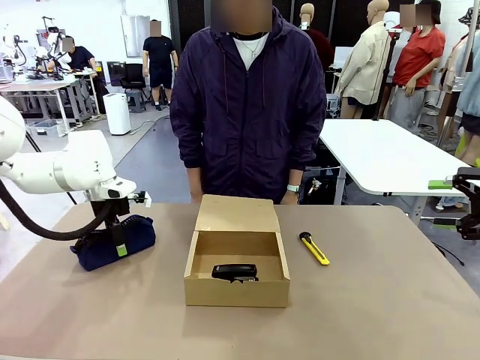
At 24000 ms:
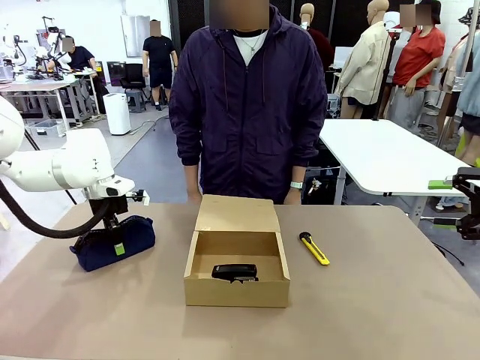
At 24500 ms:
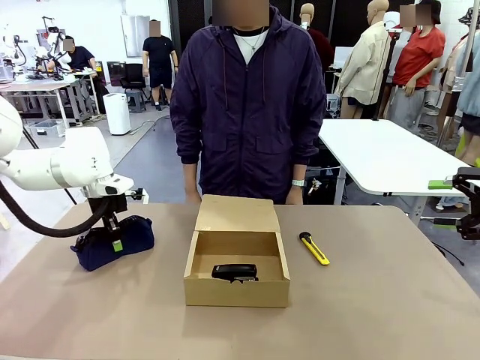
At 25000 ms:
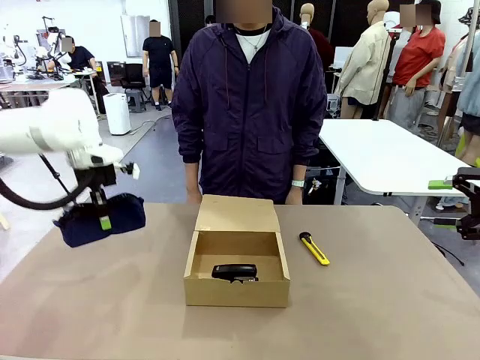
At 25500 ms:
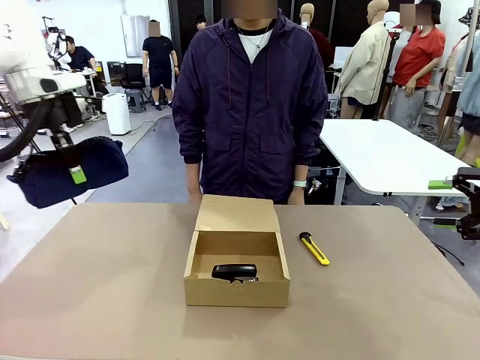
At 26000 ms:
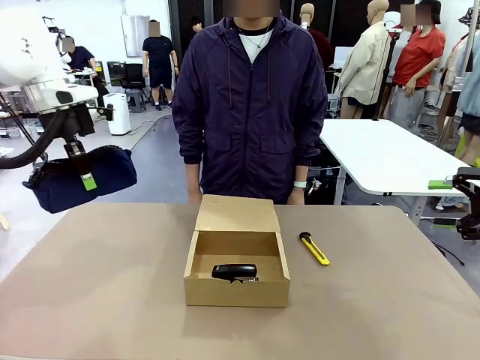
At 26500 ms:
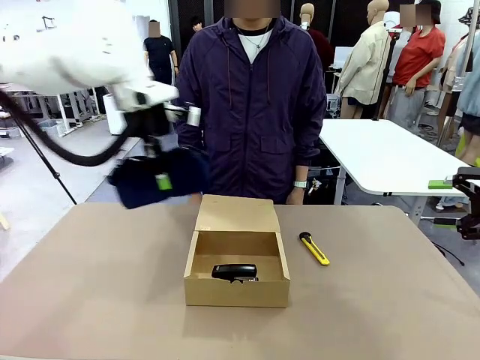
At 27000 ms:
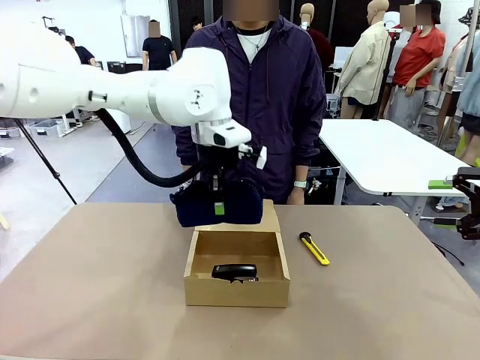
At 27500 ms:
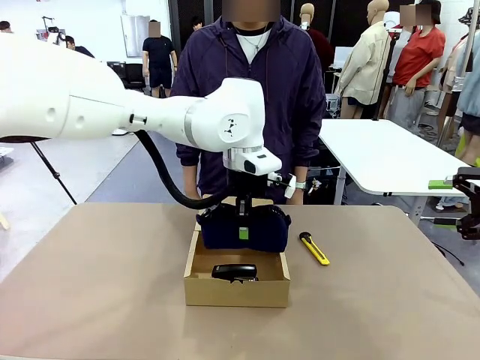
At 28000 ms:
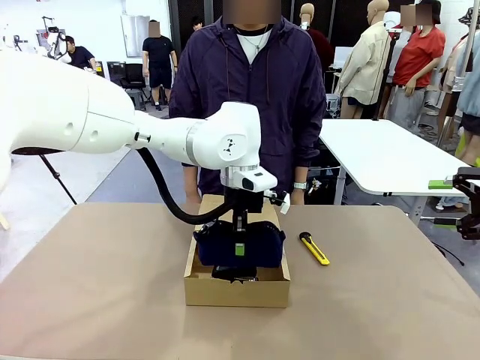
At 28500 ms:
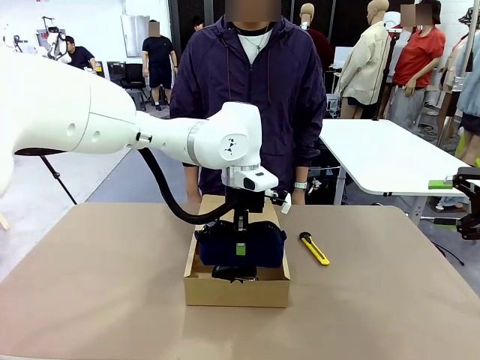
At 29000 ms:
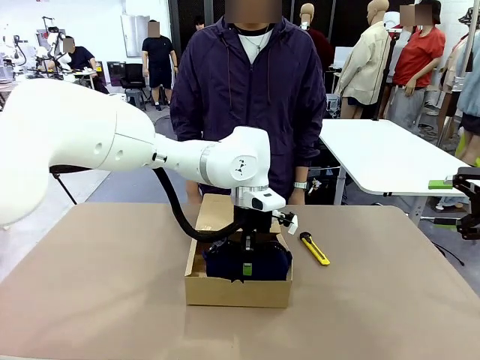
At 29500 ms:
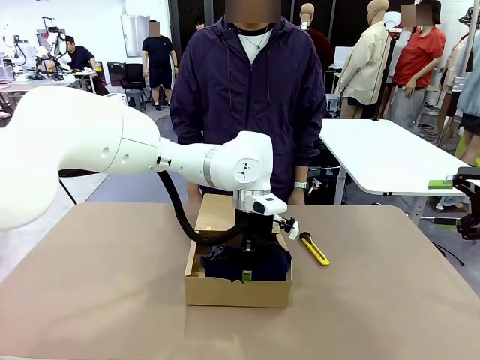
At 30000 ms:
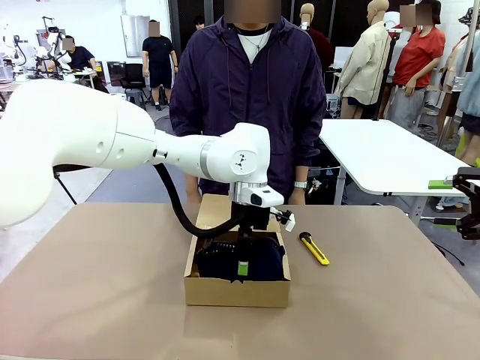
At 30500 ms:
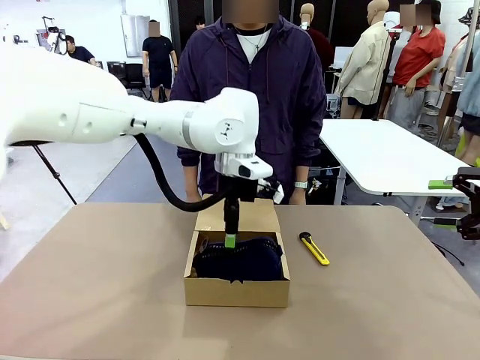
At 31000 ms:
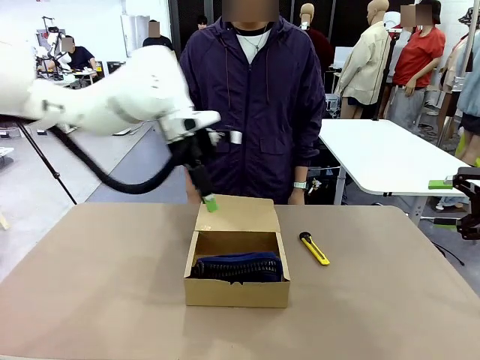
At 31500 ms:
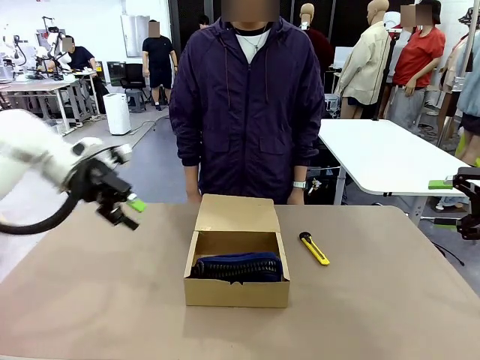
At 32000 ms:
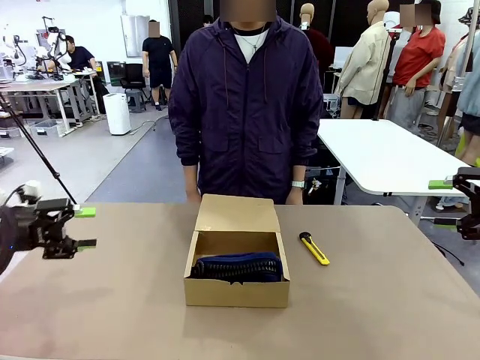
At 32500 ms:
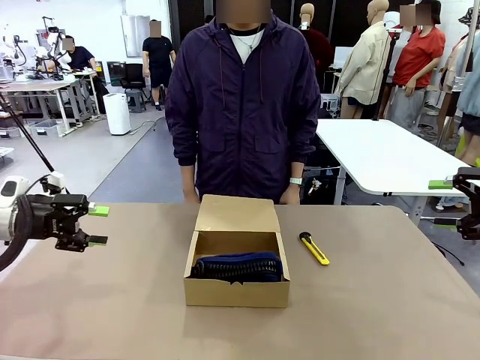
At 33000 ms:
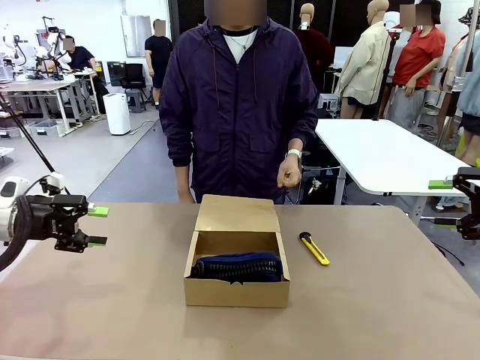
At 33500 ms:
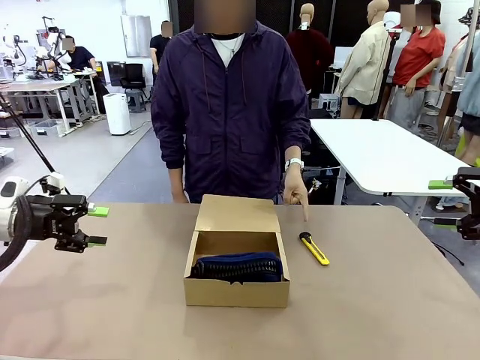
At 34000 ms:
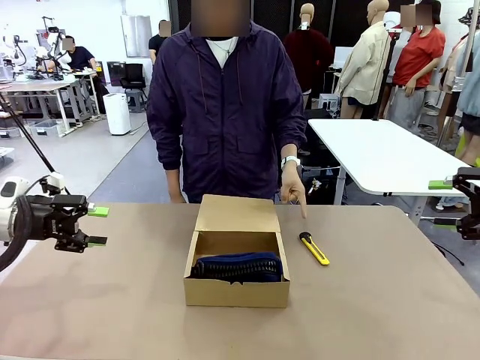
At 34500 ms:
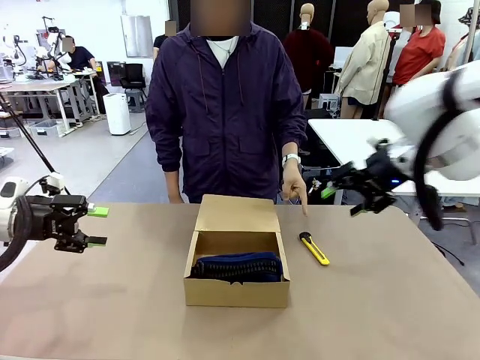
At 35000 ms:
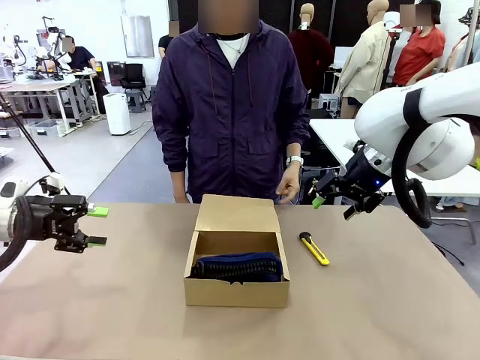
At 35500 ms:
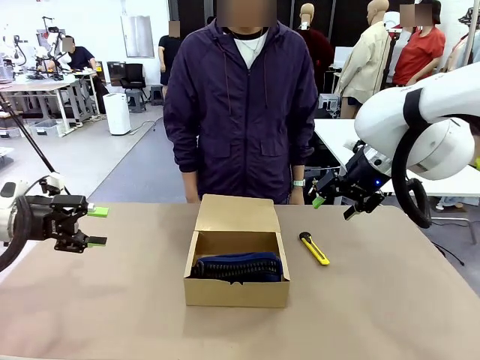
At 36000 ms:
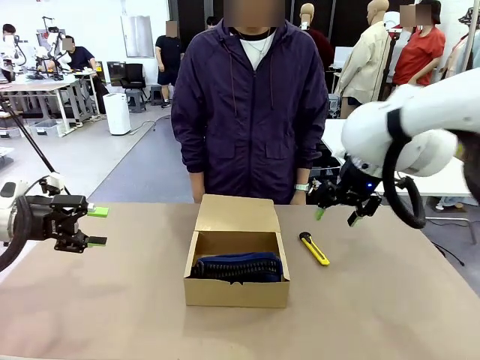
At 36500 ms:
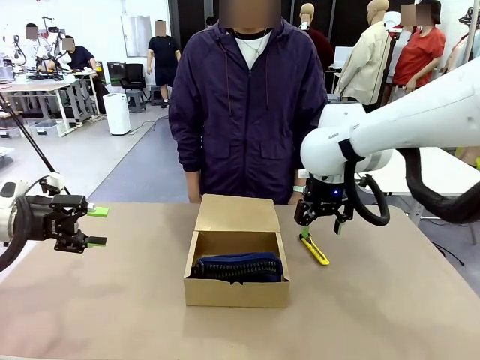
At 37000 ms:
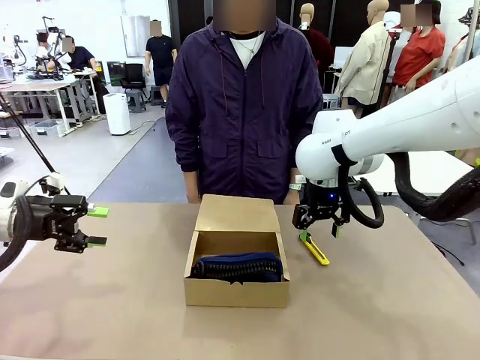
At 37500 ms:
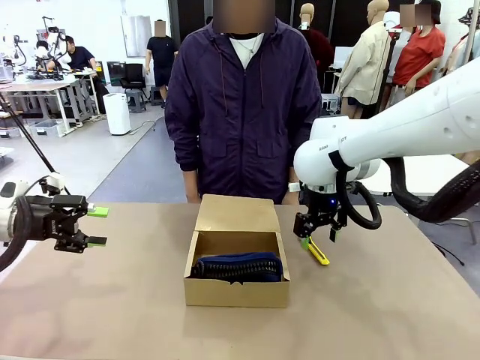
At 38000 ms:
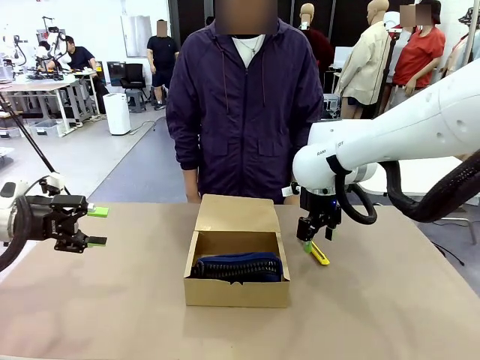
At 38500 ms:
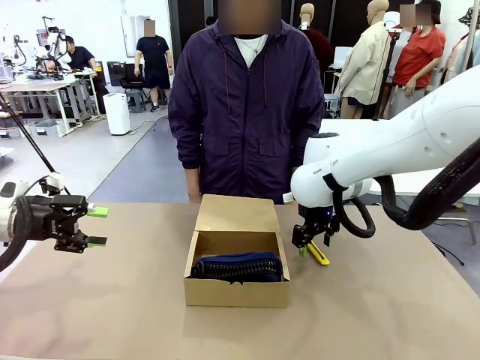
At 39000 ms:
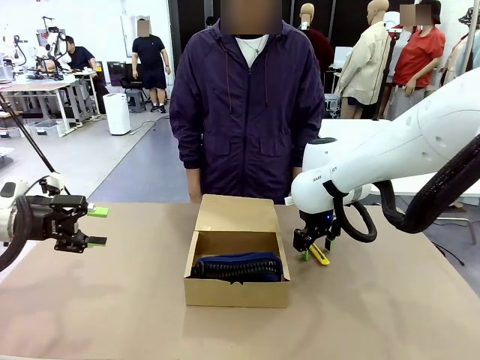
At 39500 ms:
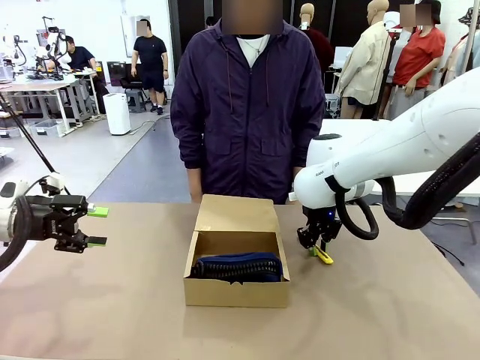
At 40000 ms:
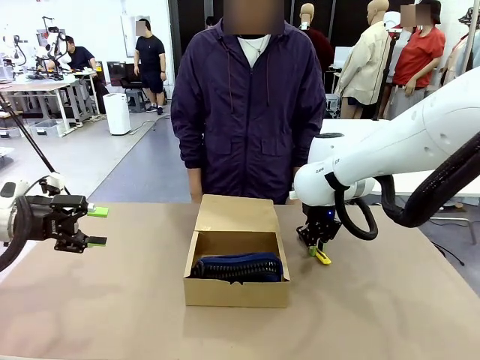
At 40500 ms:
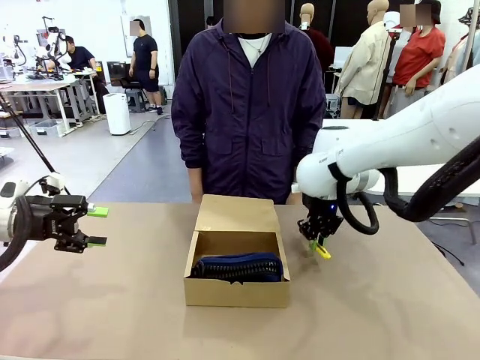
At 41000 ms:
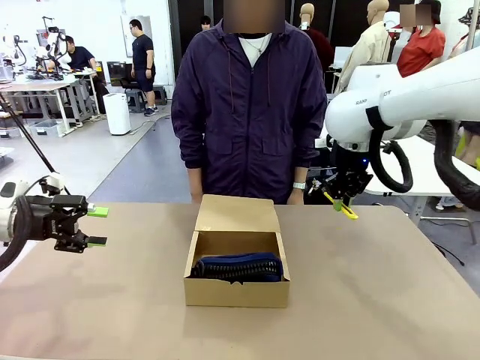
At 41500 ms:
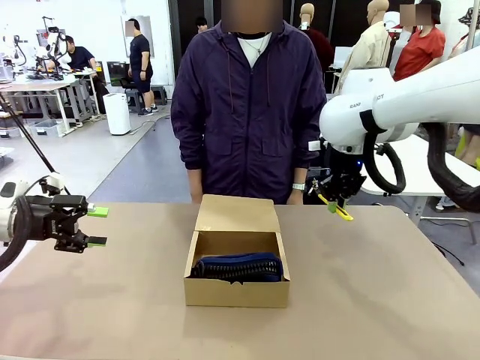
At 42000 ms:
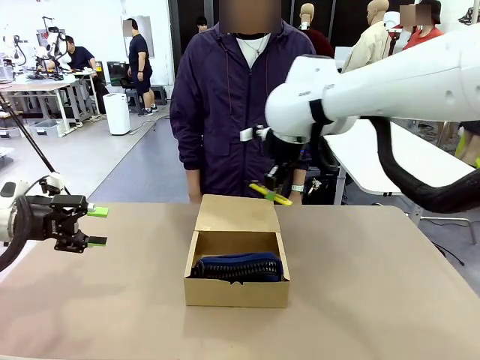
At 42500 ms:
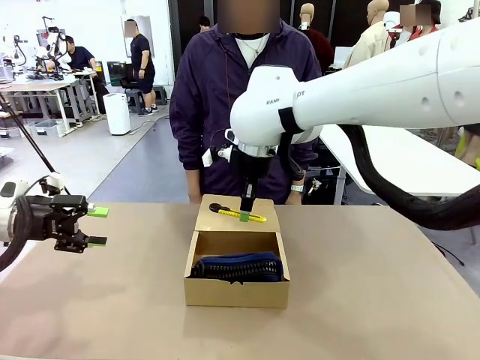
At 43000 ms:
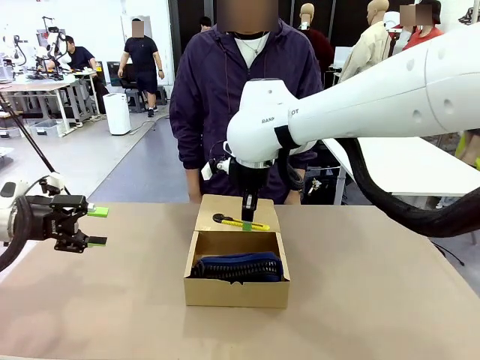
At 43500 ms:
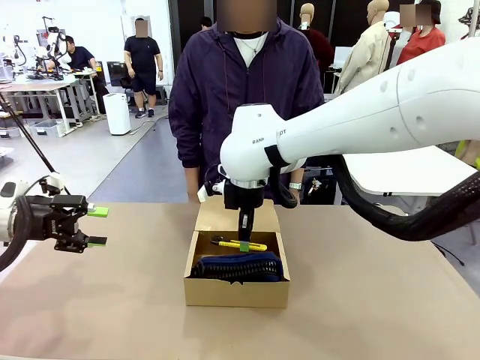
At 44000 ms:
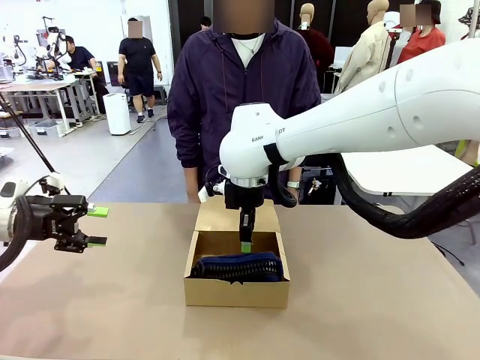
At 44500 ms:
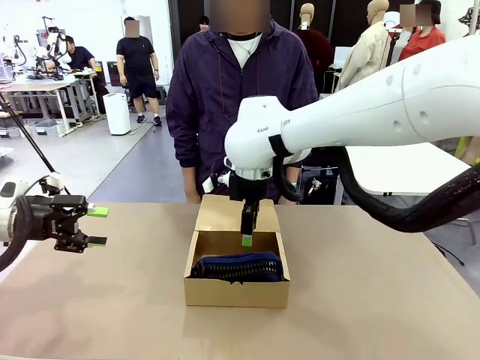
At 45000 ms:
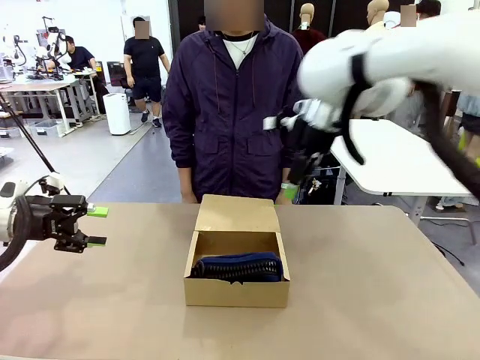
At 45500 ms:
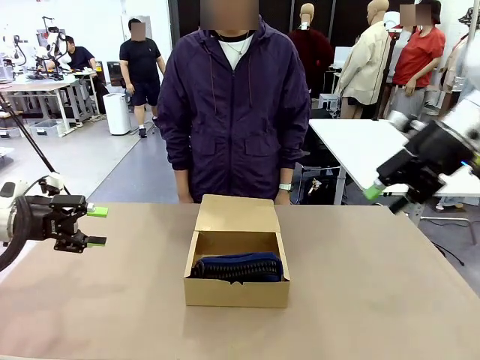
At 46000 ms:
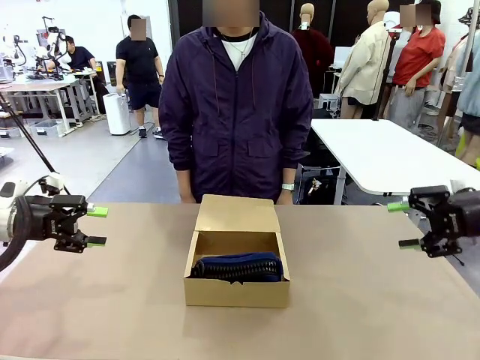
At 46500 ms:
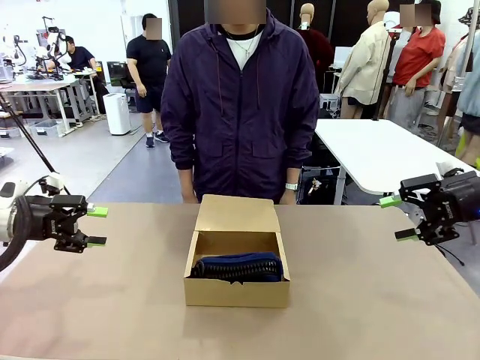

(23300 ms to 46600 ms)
Task: Pack the items into the box.
Robot: Pick up the item indicated by the person and place it inside the Mailer Box.
Person: Lower both hands vertically with palms facing downward, as if pressing something closed.

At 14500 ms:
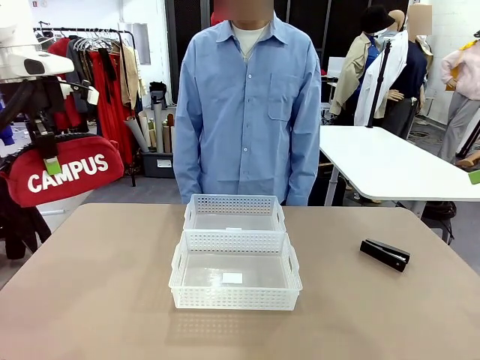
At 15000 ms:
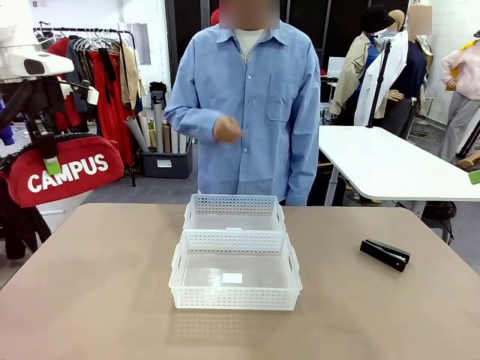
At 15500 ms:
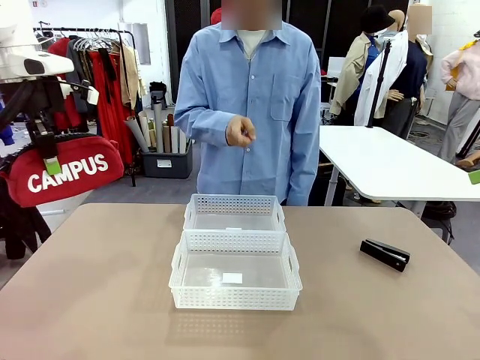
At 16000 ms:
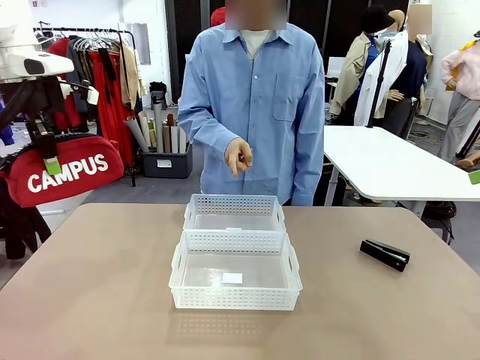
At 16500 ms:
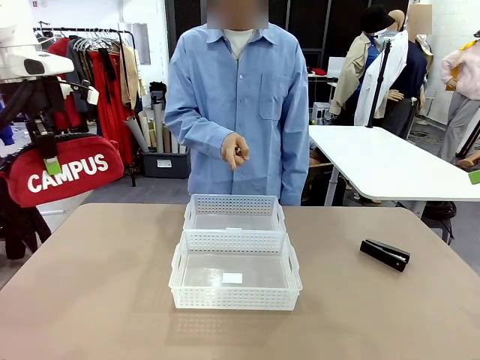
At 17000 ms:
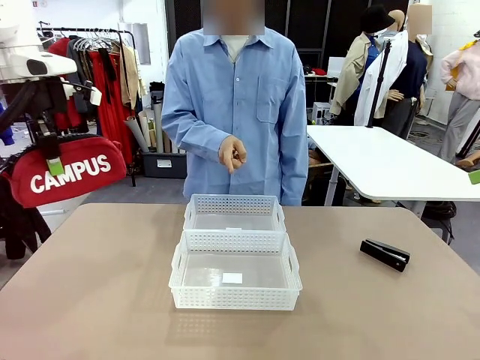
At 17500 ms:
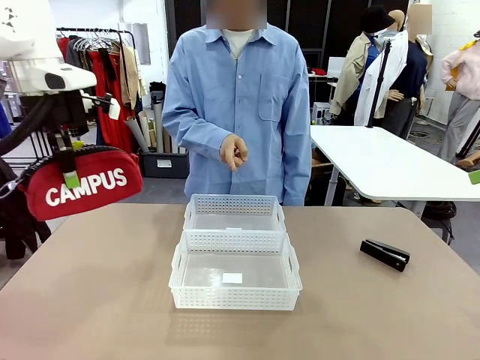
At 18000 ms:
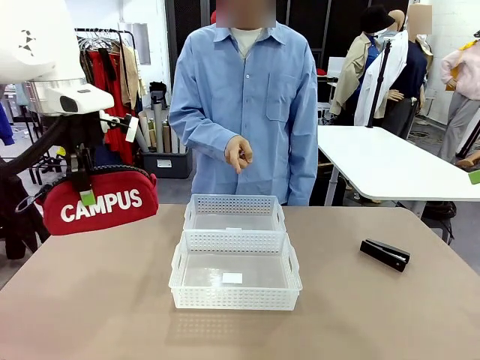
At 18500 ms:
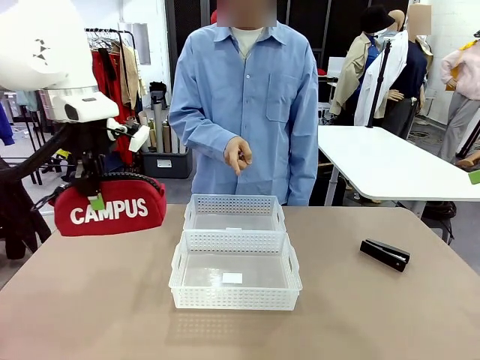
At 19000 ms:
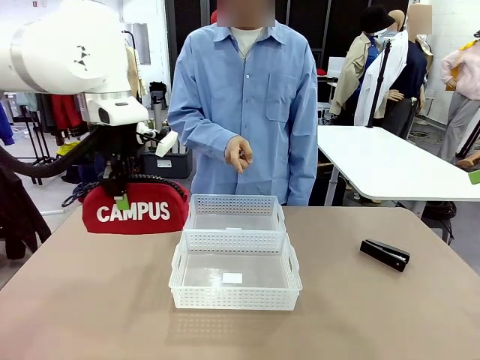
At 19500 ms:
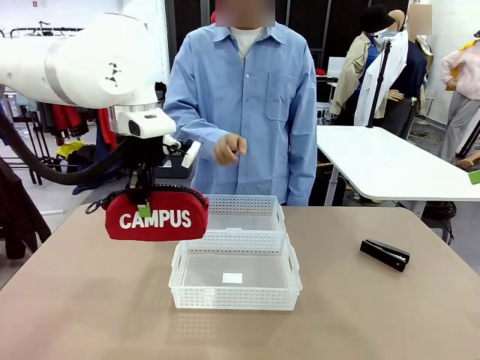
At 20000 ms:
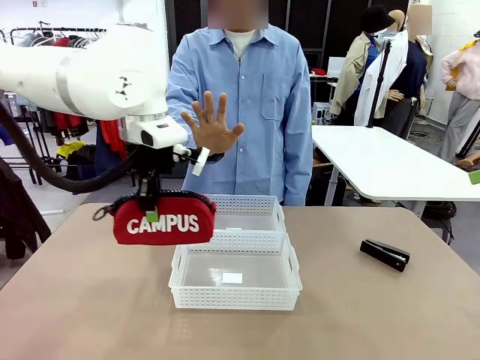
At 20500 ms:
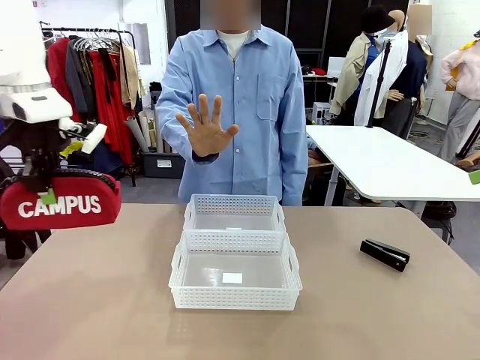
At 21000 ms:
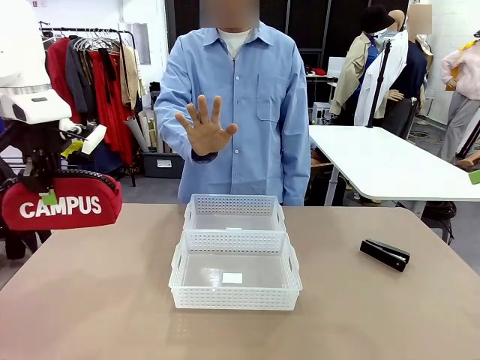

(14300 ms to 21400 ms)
Task: Distribute items into two baskets.
Robot: Move the picked Pencil pouch towards the Organizing basket indicated by the person, stopping as directed.
Person: Sends a stop gesture before the robot places the pencil case into the basket.
